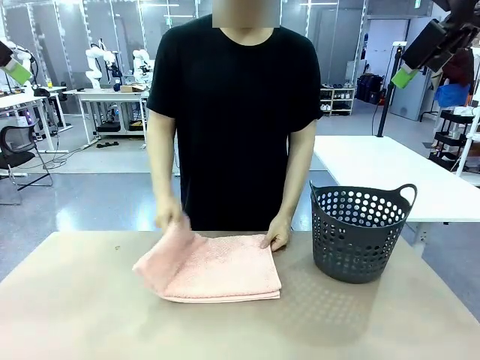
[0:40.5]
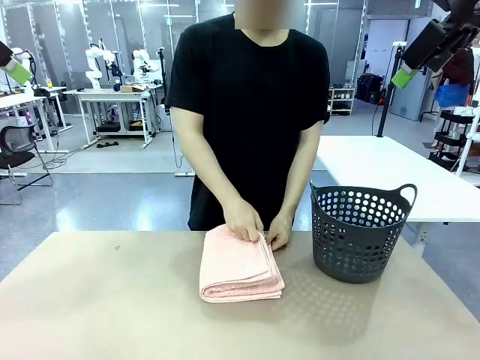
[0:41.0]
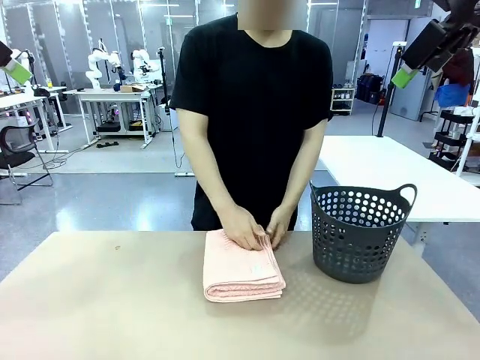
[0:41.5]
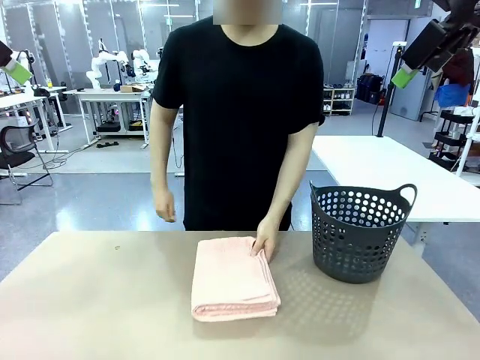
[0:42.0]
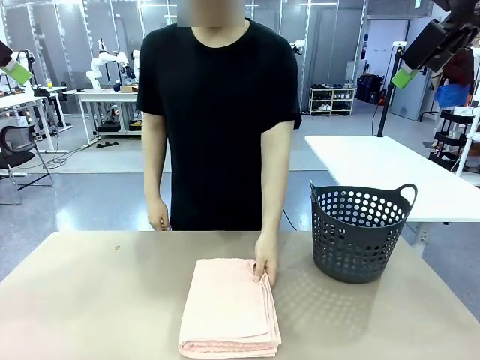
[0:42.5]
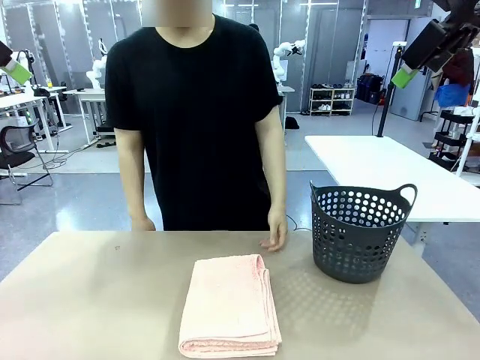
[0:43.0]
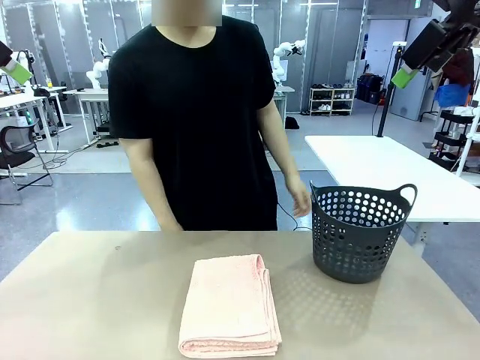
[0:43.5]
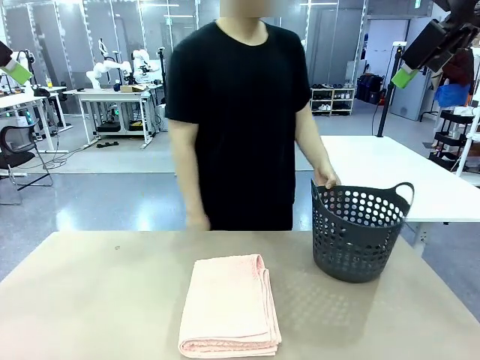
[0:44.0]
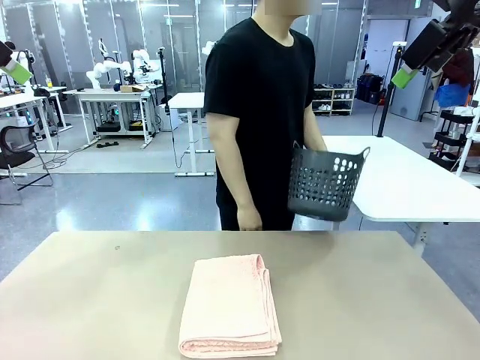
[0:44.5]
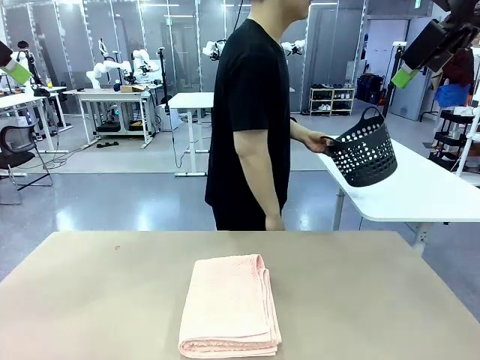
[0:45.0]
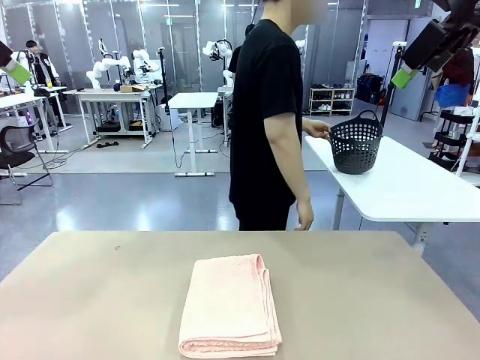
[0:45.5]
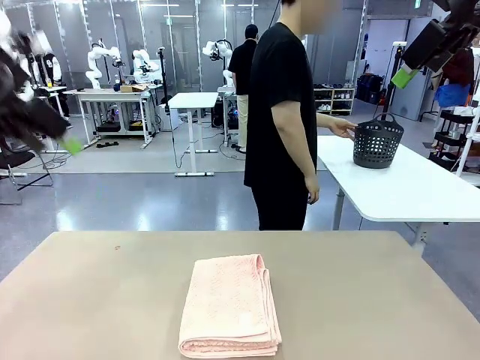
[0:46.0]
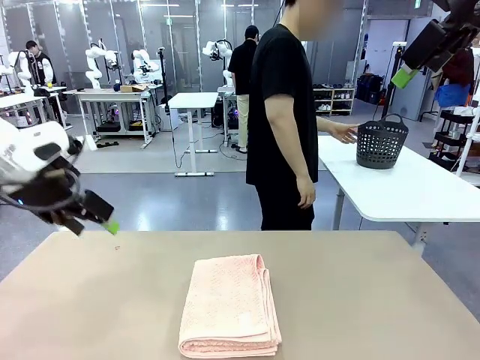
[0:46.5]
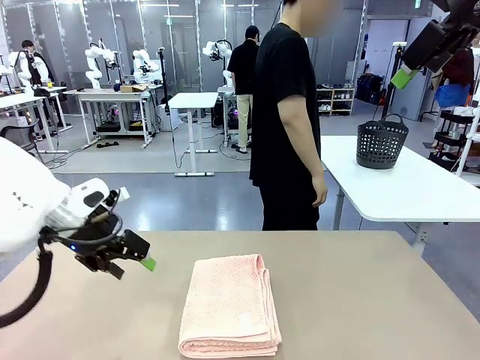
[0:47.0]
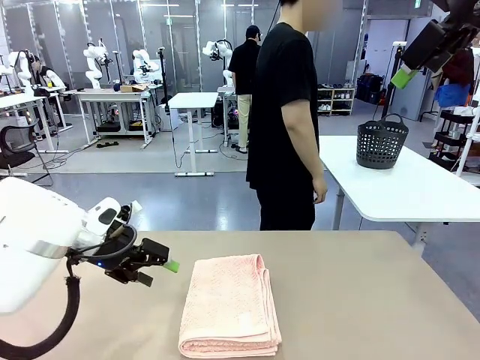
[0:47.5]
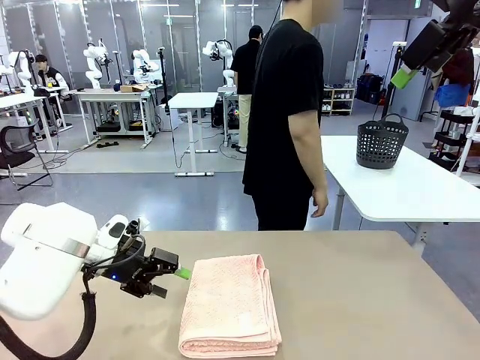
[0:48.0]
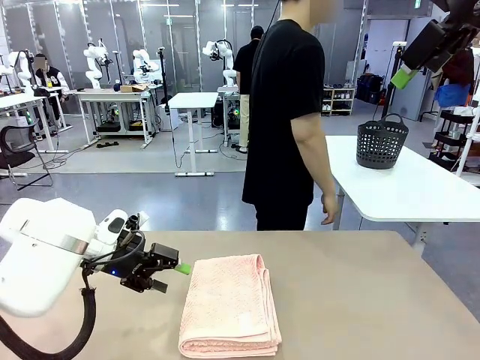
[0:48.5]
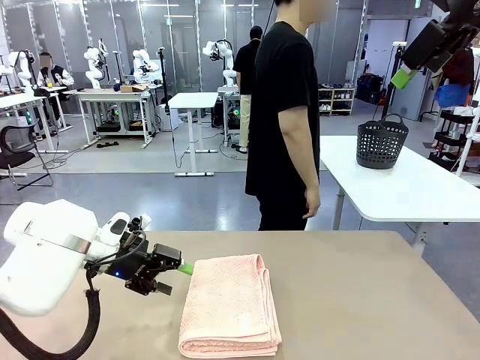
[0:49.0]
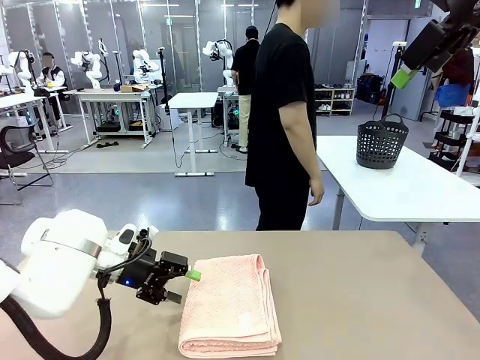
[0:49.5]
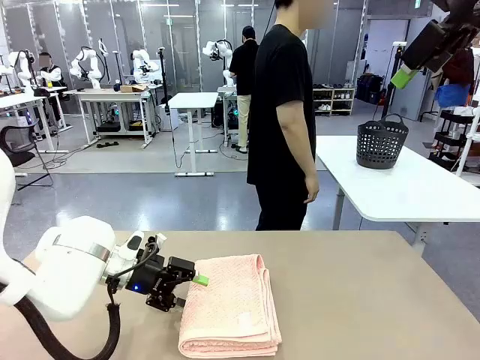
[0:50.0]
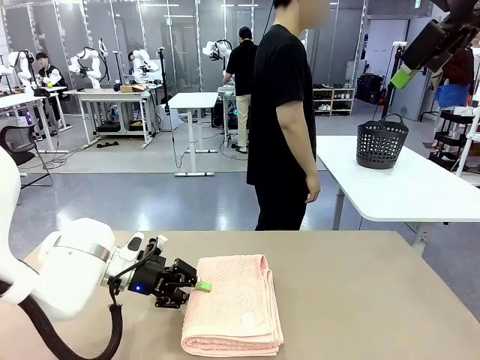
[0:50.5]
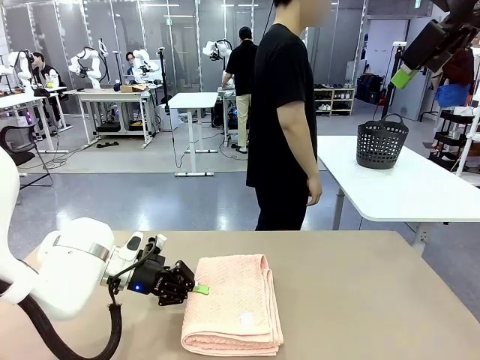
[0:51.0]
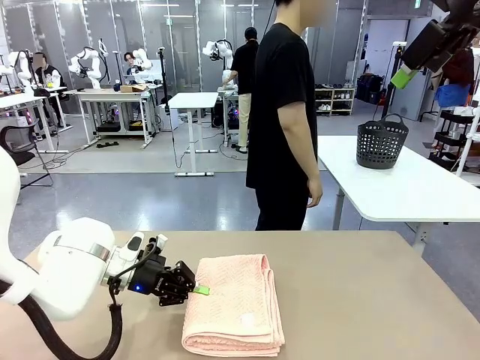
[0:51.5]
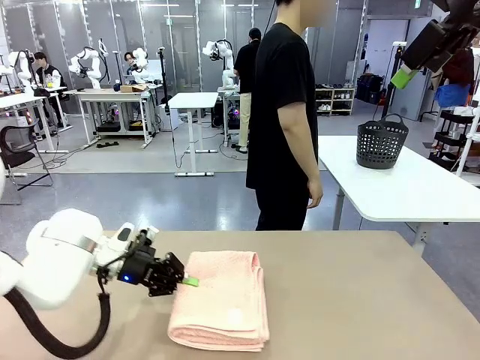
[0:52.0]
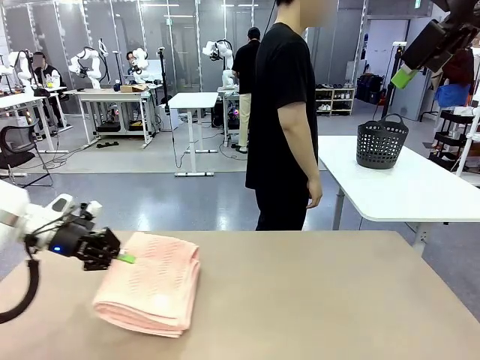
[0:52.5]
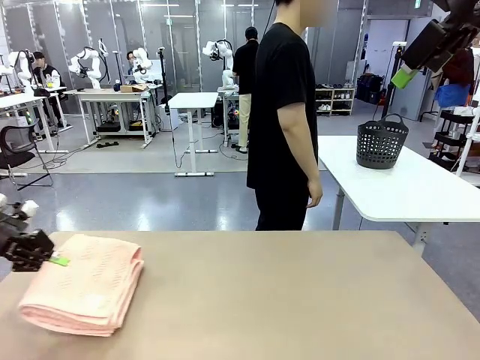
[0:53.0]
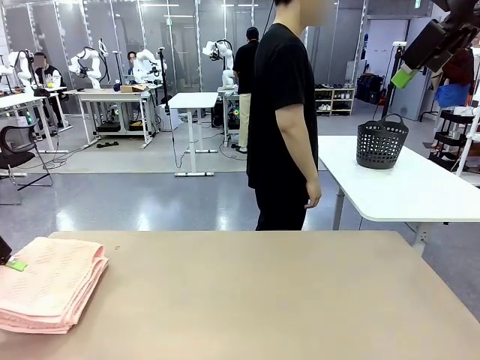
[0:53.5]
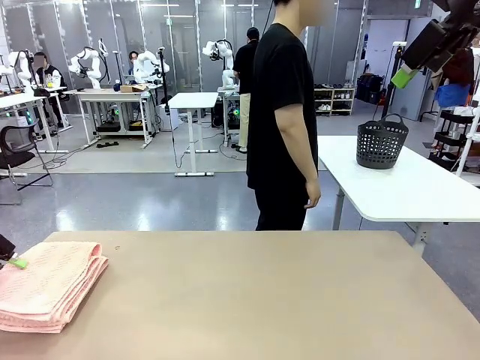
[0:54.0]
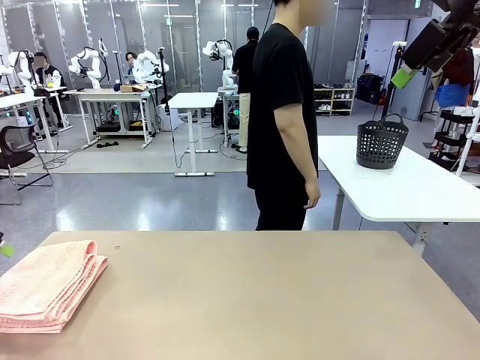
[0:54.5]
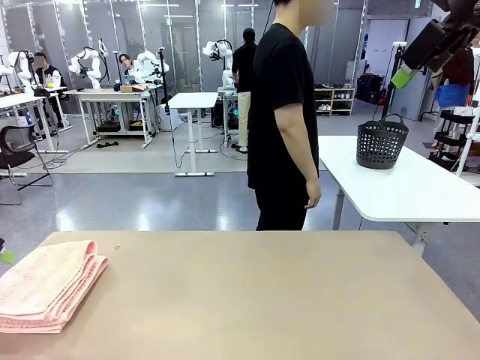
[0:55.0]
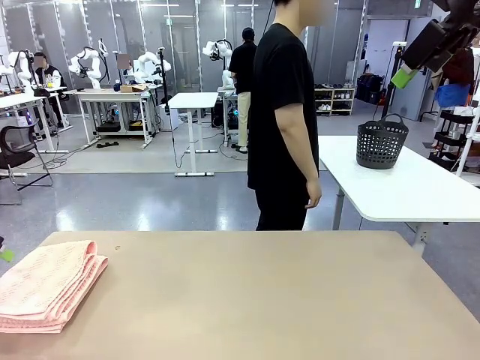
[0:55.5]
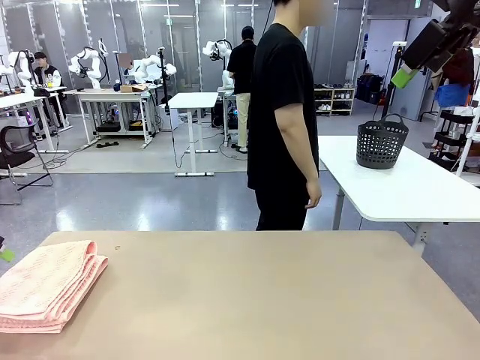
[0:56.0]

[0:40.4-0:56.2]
Task: Fold the towel.
Robot: Pick up the 100 cm Hotel Towel and place it on the left side of the table.
Person: Pick up the laundry basket and place it at the center of the human table.

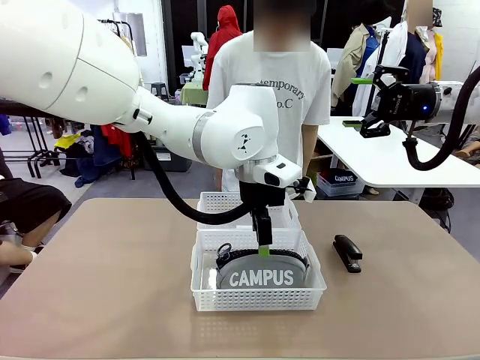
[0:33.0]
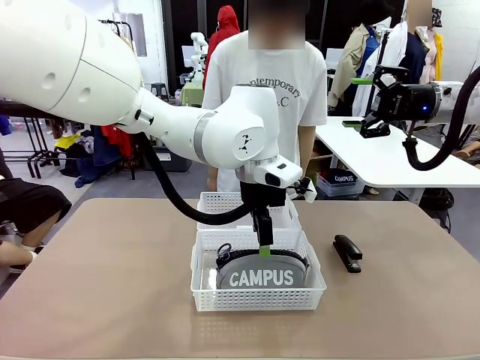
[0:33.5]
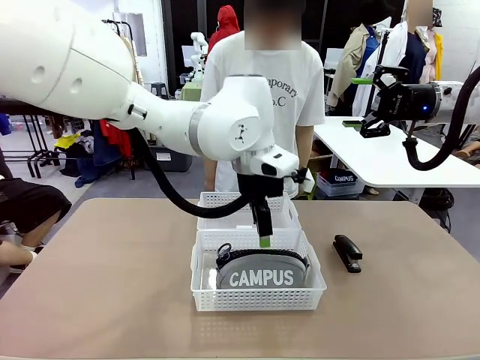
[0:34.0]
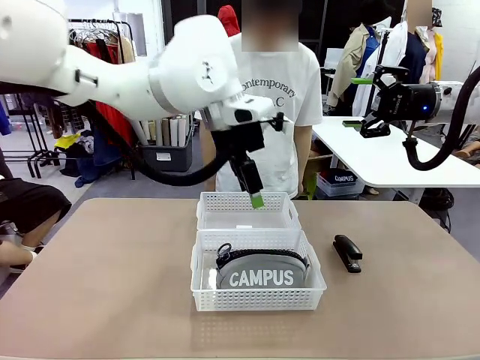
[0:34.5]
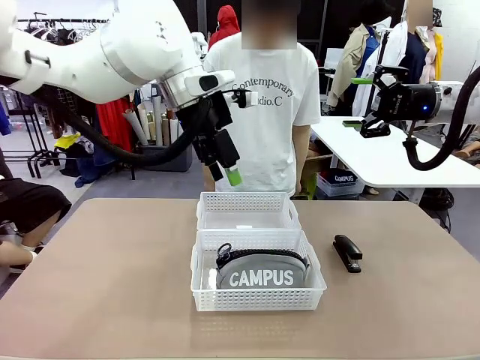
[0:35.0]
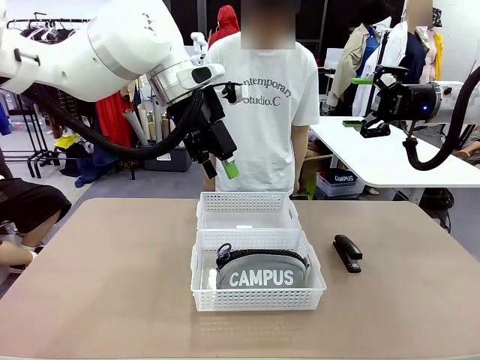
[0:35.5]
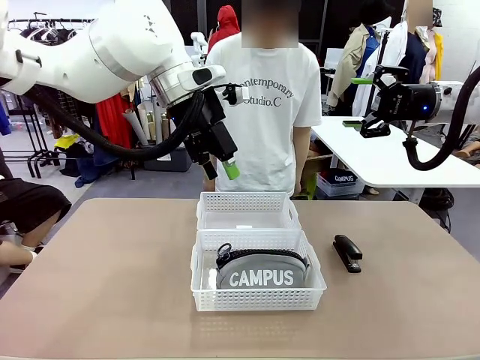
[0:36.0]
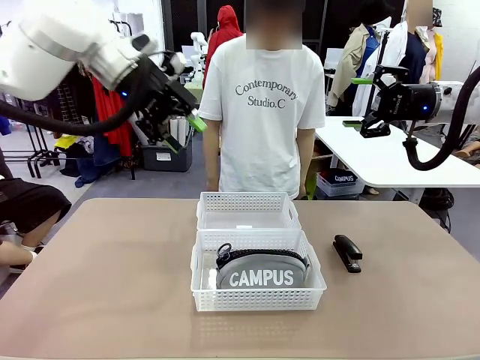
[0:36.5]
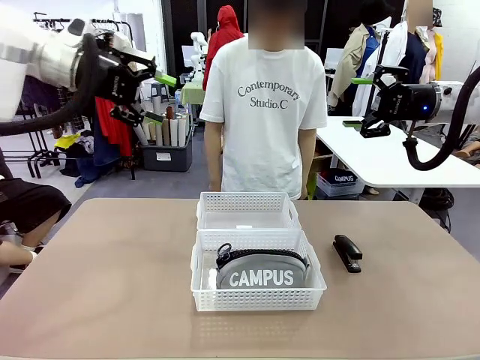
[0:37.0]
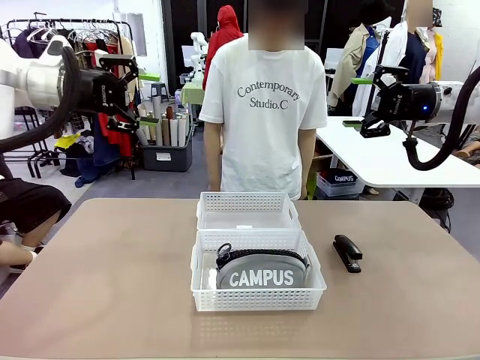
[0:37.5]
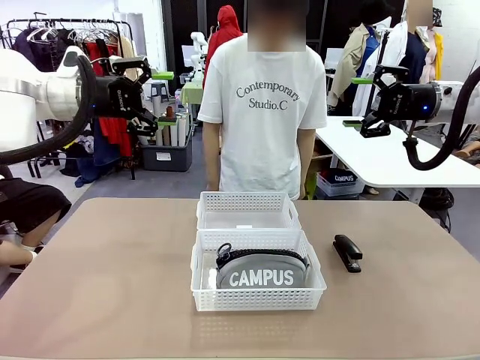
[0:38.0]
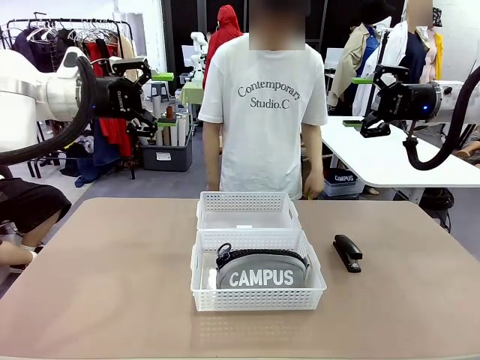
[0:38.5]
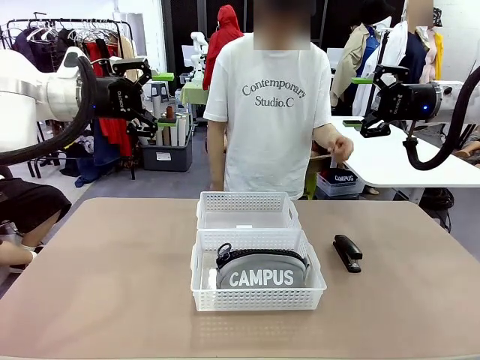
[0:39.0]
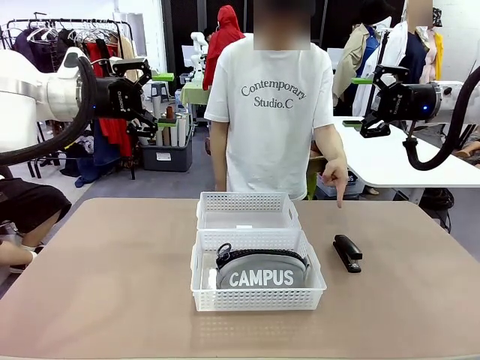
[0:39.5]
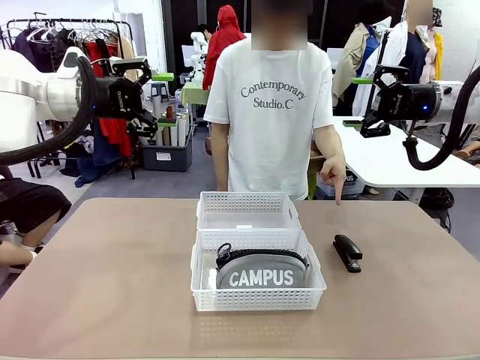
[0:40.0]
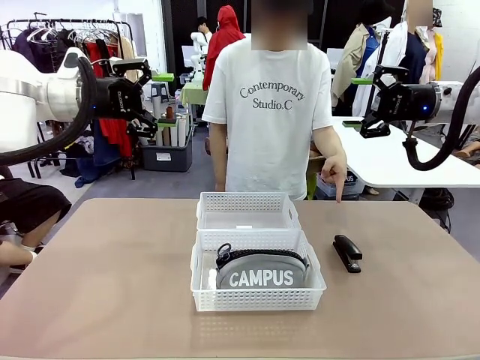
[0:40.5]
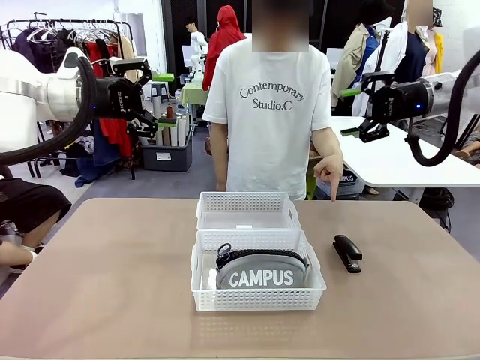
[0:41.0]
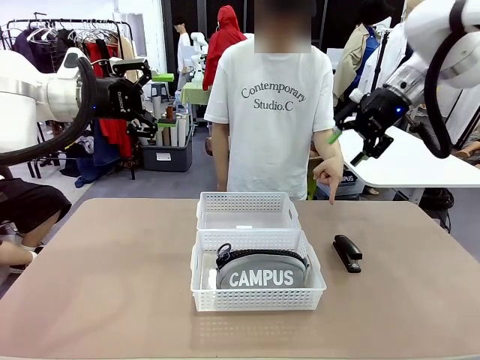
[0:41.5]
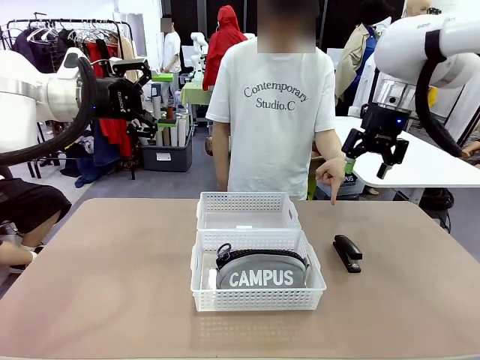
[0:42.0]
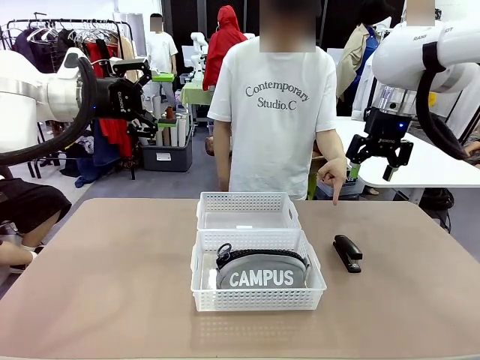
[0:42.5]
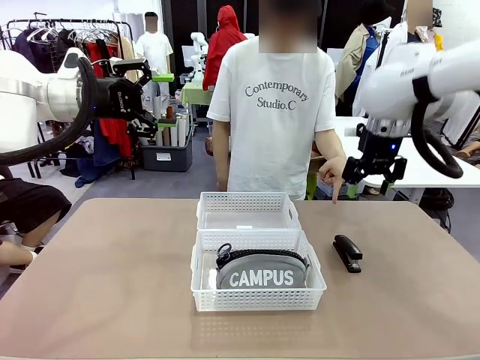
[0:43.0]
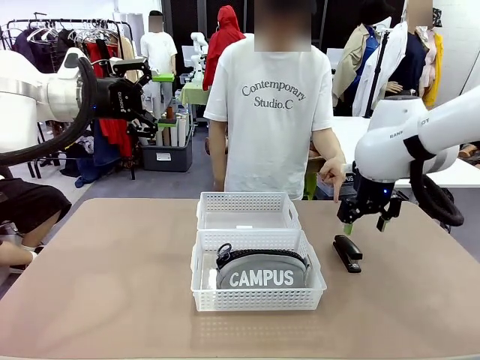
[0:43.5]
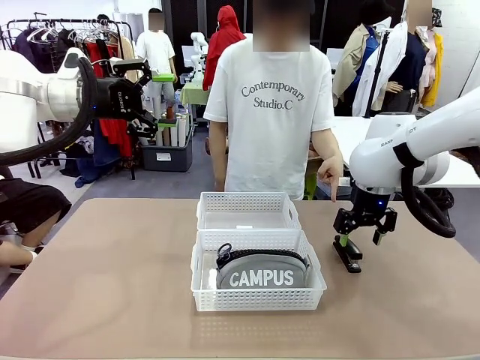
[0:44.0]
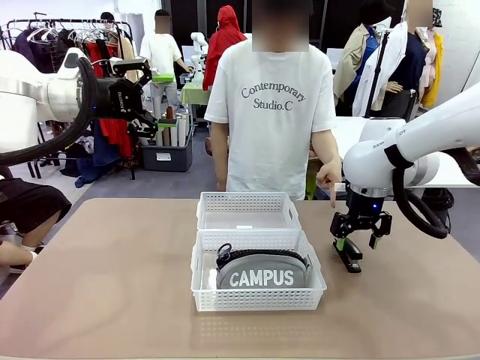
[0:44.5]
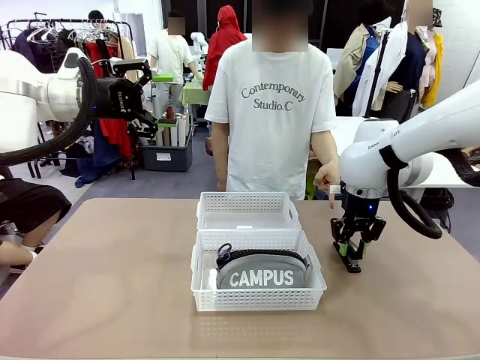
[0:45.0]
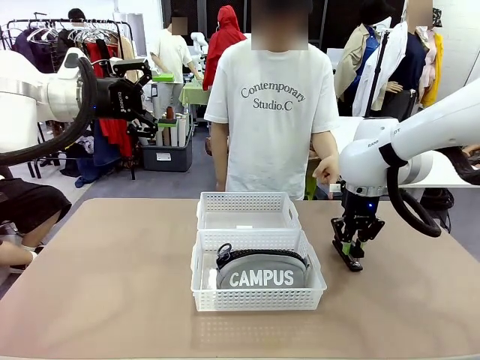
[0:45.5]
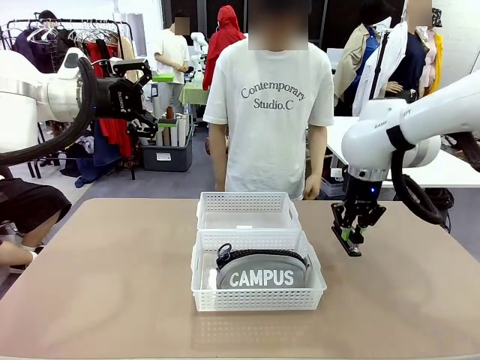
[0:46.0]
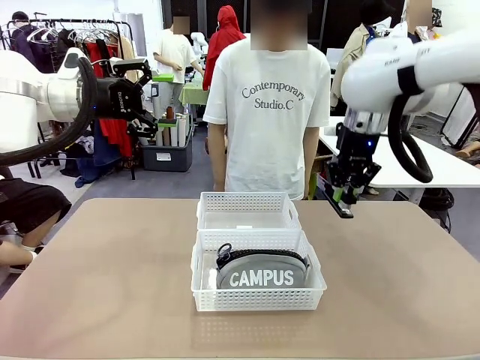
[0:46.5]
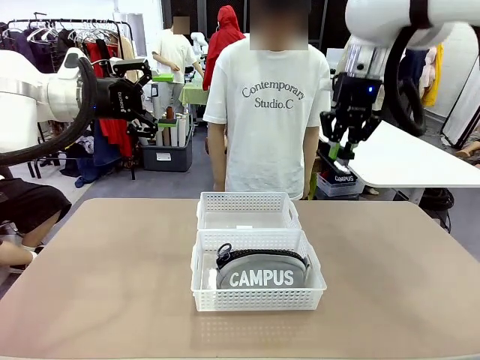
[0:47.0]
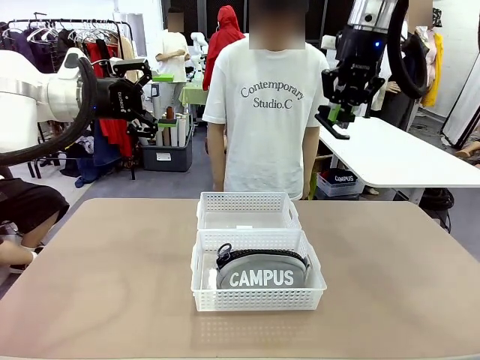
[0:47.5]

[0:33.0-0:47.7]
Task: Distribute items into two baskets.
Robot: Pick up the Stapler that the person points to.
Person: Points to the stapler.
